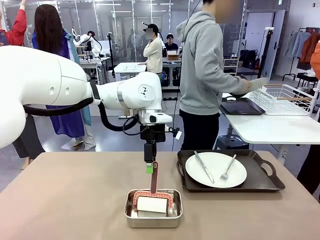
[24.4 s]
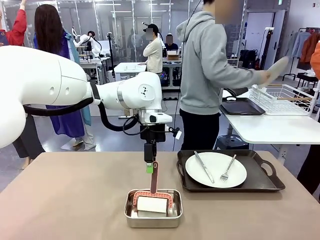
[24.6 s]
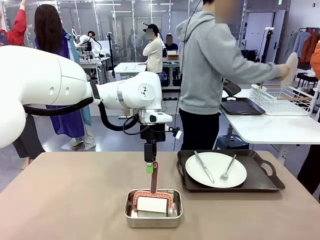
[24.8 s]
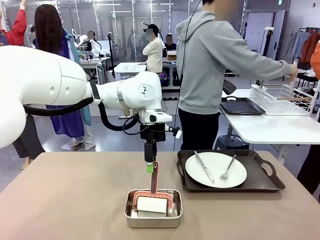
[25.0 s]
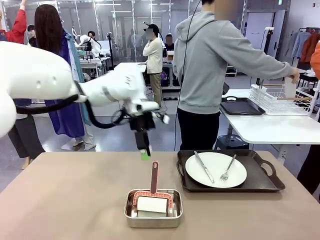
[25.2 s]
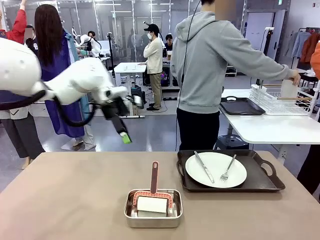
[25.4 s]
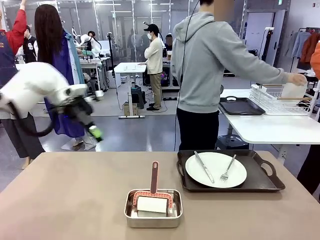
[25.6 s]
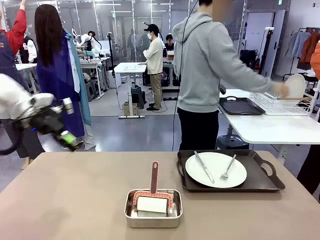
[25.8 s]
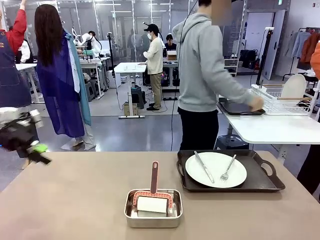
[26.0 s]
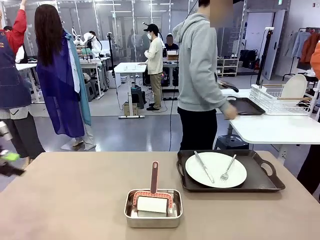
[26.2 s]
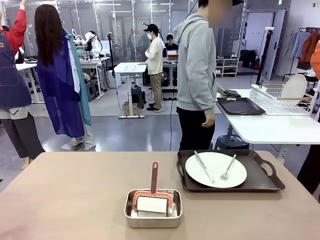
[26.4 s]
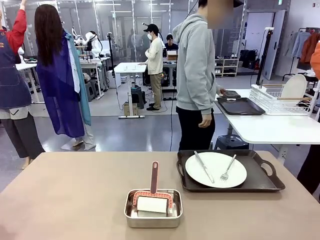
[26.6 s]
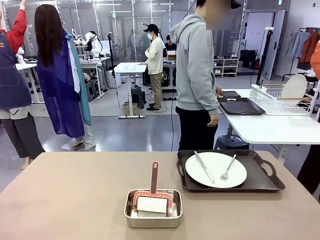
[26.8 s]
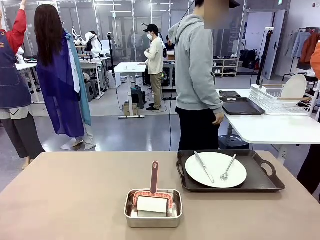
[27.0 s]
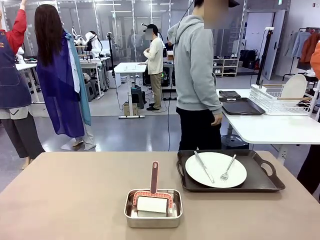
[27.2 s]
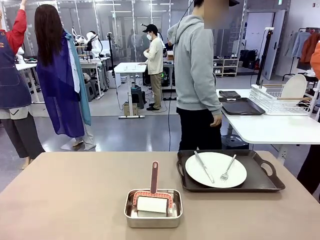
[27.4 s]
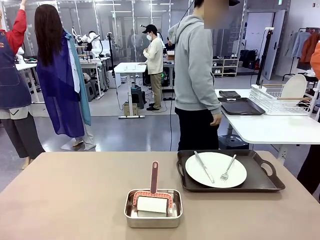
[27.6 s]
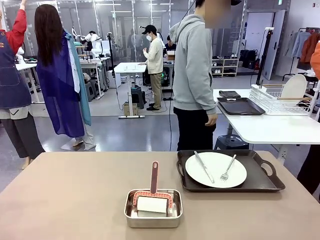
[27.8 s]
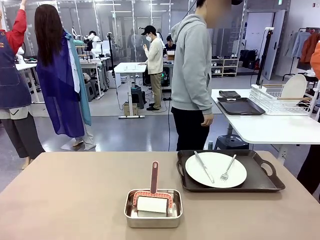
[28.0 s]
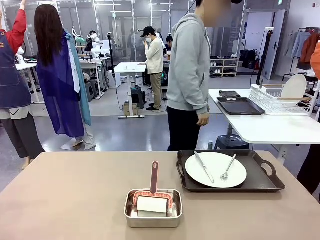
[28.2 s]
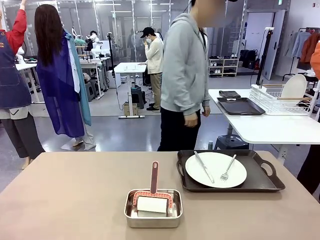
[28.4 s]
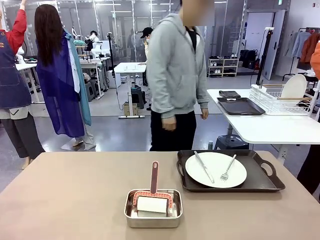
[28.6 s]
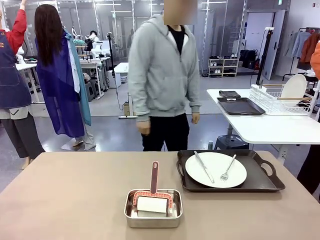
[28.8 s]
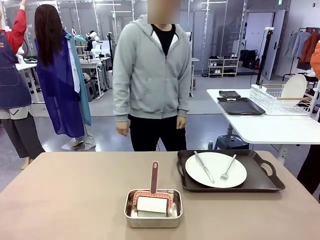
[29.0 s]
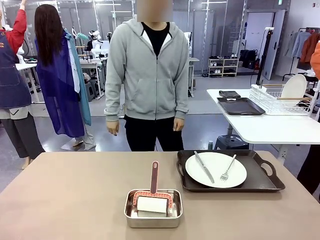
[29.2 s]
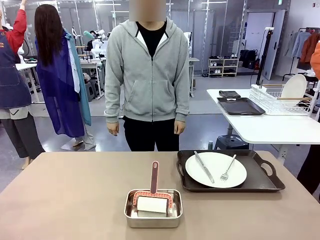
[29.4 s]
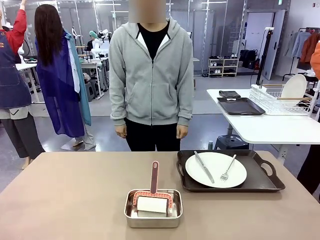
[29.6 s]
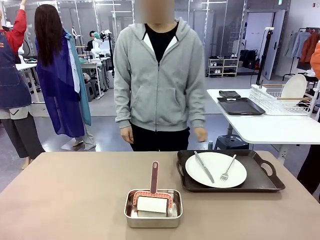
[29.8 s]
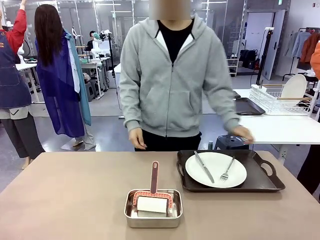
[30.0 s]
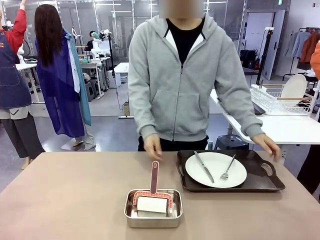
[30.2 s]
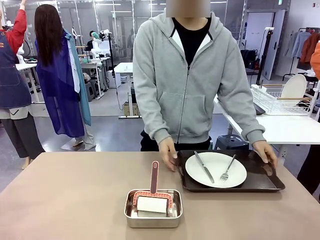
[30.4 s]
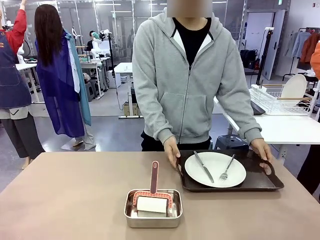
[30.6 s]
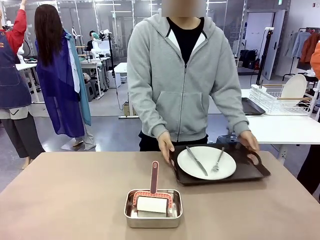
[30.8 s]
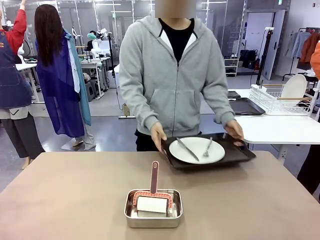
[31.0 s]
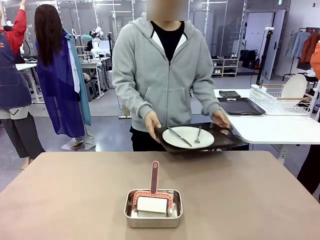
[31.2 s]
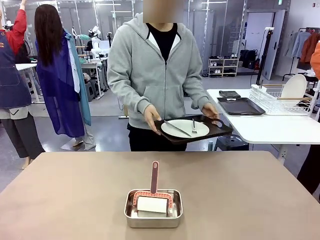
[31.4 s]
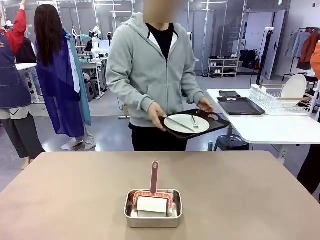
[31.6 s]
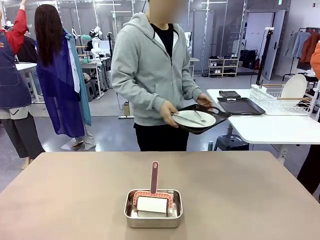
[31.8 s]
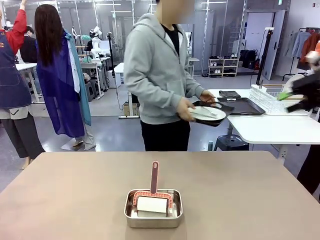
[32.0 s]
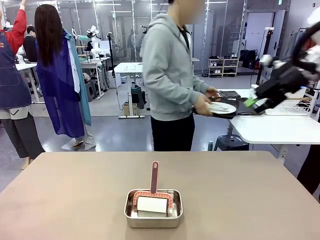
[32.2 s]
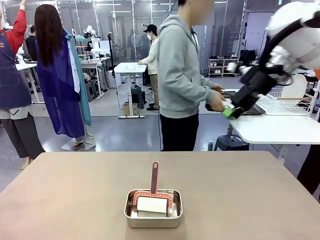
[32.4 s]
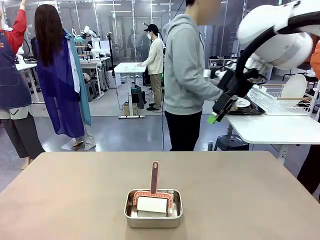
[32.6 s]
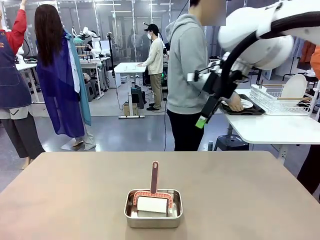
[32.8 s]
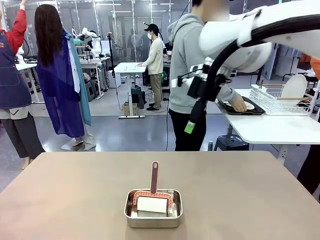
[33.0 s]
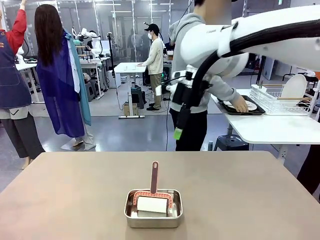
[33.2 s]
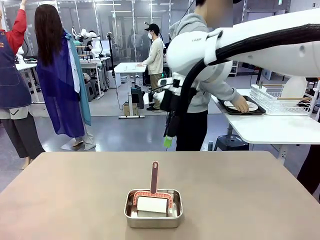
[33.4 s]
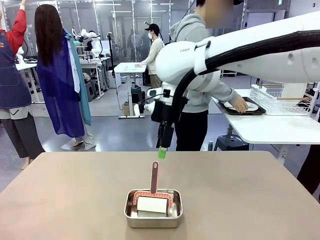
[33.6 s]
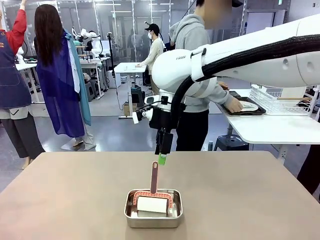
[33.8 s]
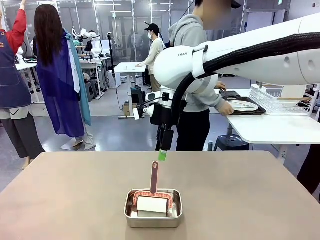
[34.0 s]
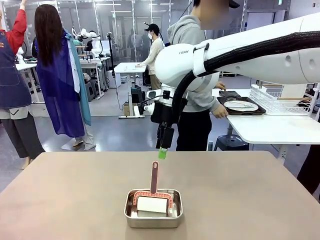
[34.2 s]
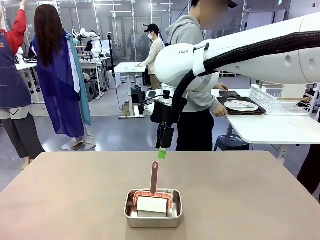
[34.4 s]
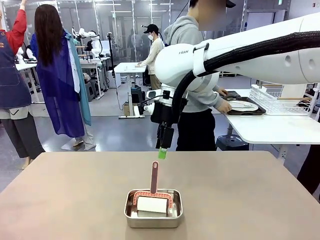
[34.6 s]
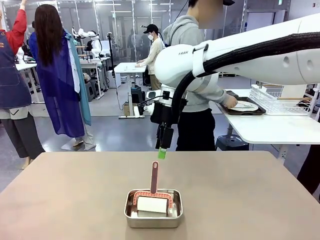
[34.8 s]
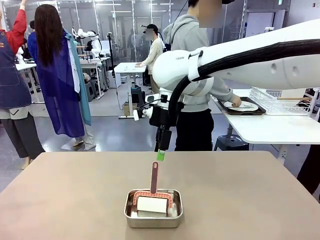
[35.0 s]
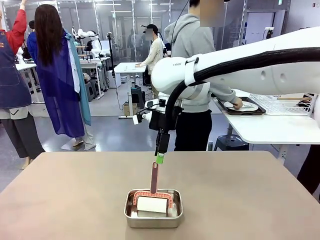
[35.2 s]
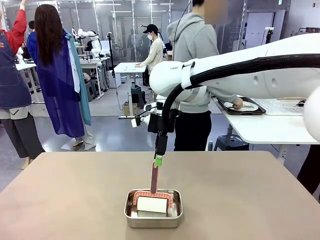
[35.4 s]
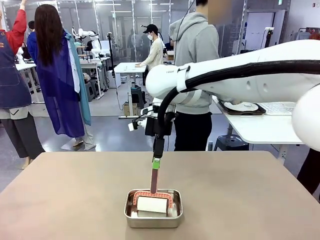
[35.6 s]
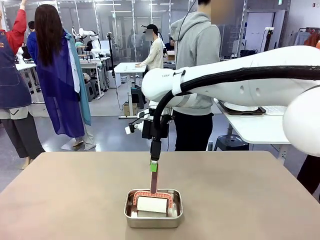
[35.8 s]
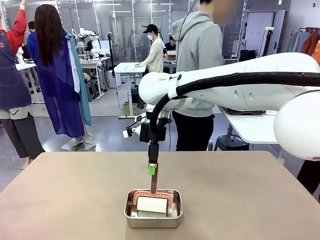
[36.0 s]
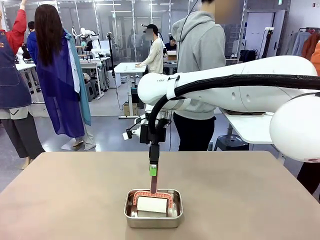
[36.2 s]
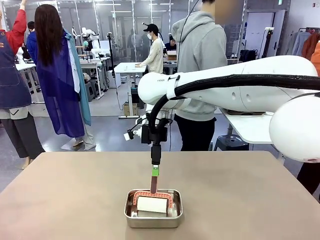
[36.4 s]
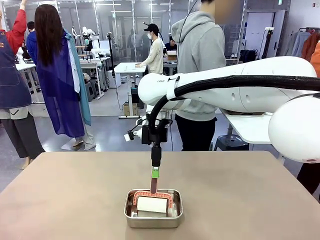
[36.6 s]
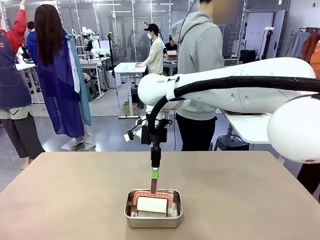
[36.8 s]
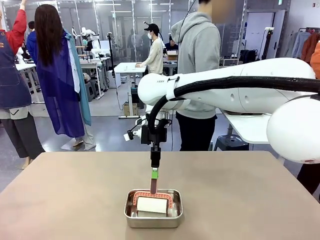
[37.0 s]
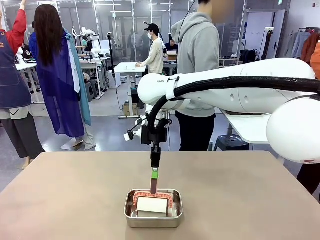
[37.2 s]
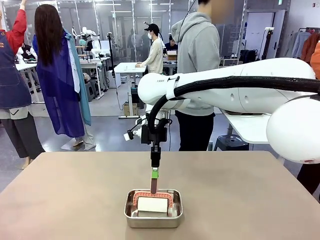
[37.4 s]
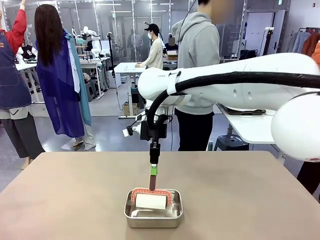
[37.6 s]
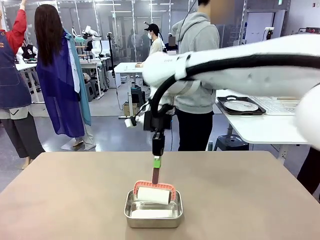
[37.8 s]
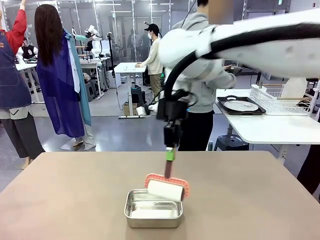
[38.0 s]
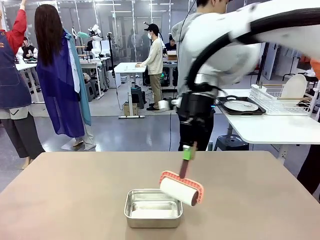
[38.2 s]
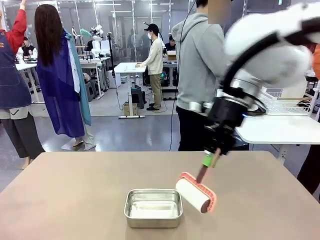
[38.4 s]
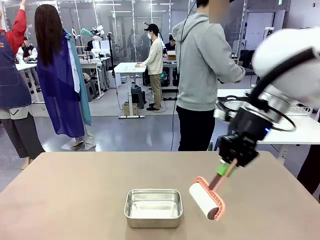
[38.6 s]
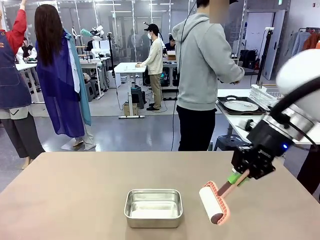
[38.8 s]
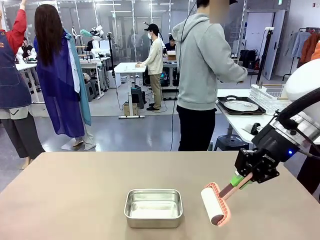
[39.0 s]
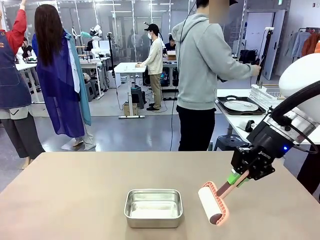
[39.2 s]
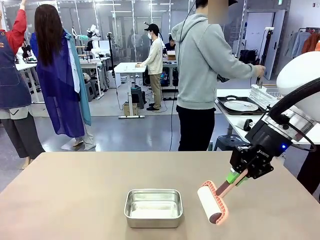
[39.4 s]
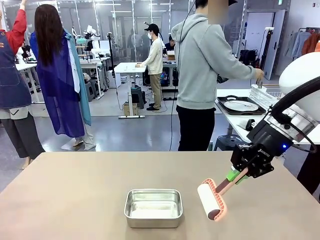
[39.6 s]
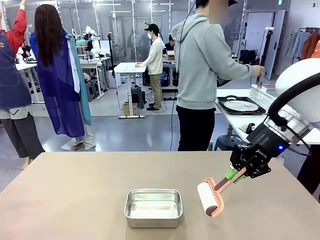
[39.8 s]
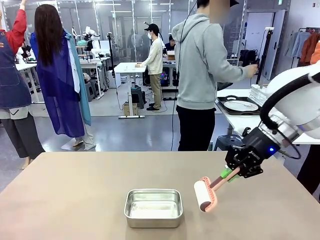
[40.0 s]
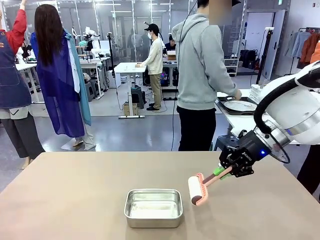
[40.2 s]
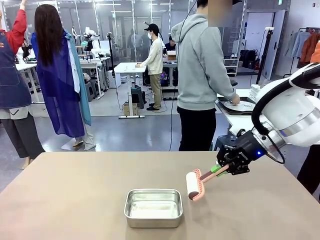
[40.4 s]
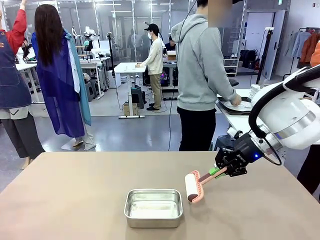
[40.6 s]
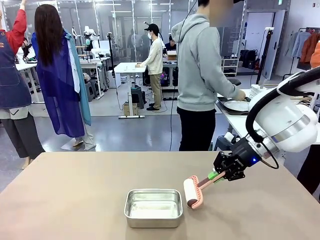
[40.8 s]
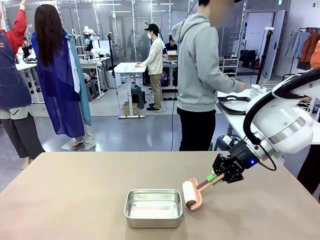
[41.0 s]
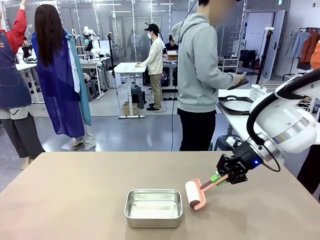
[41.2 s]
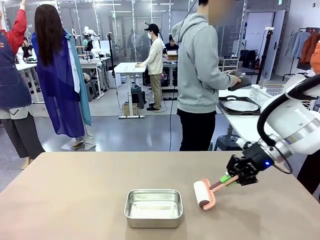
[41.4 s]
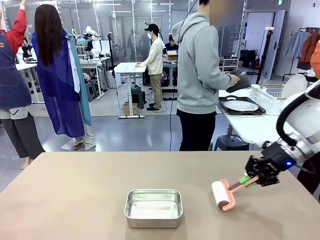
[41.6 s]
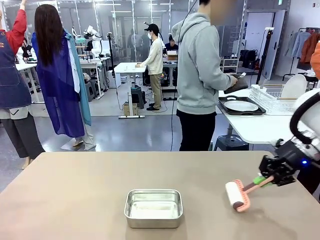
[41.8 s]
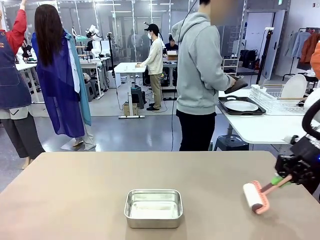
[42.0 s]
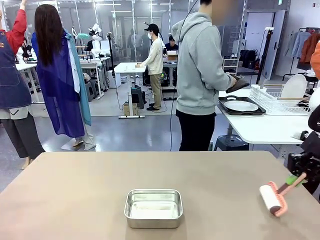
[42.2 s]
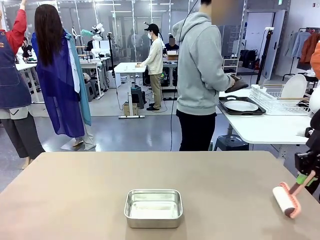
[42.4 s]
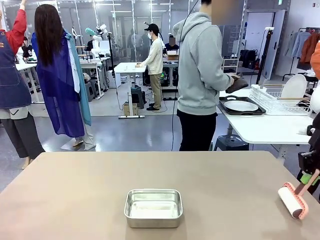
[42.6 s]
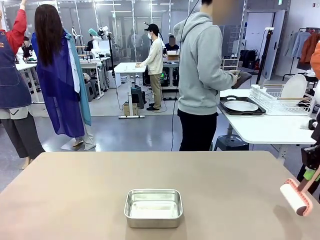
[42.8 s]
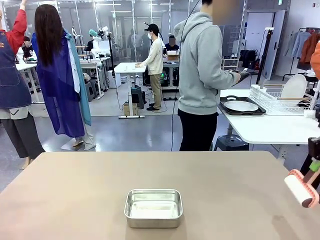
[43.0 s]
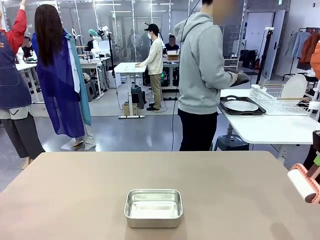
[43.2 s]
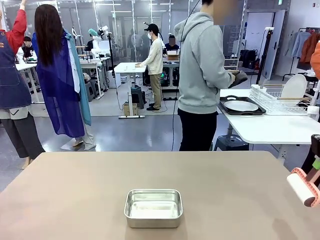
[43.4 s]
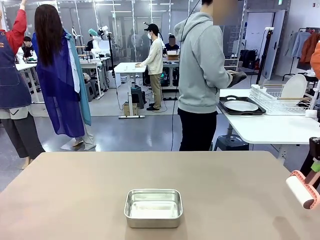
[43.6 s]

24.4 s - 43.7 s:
Robot: When the right (or left) Handle tray is removed, use the right hand (or left hand) to clean the right (or left) side of the table with the Lint Roller.
Person: Pick up the left (or right) Handle tray and place it on the Handle tray.
